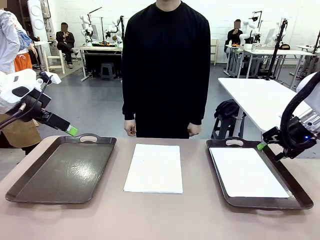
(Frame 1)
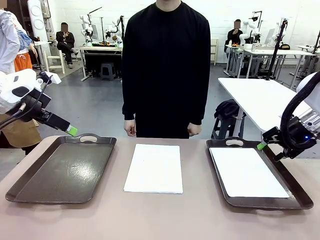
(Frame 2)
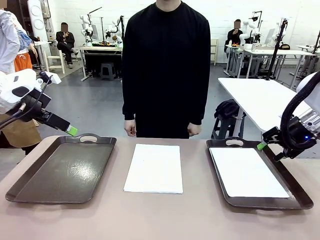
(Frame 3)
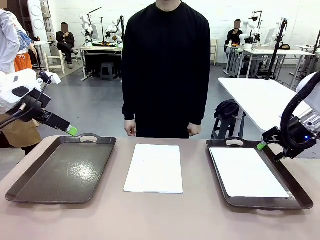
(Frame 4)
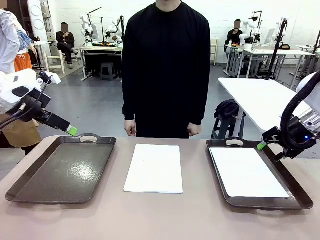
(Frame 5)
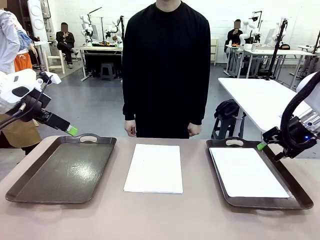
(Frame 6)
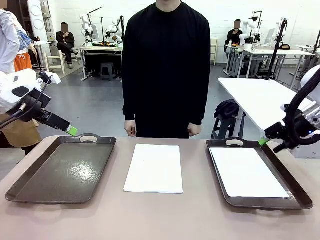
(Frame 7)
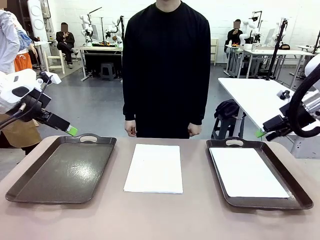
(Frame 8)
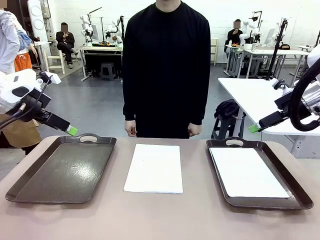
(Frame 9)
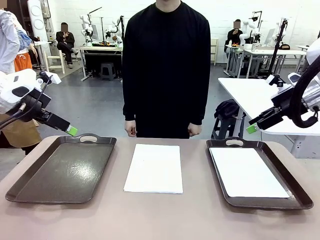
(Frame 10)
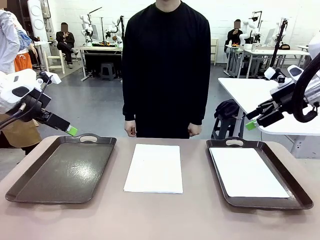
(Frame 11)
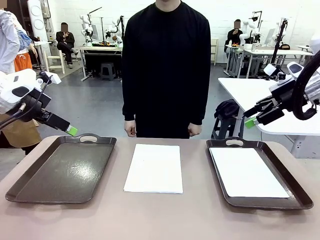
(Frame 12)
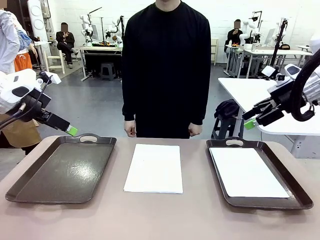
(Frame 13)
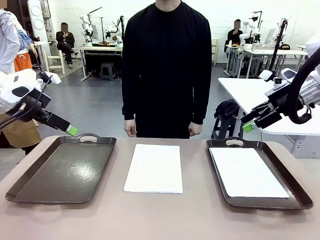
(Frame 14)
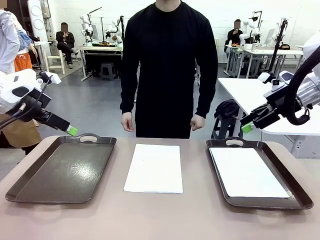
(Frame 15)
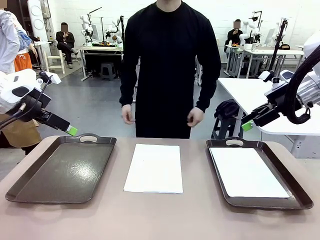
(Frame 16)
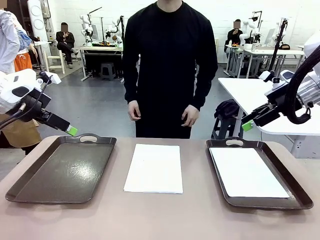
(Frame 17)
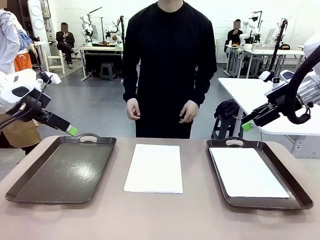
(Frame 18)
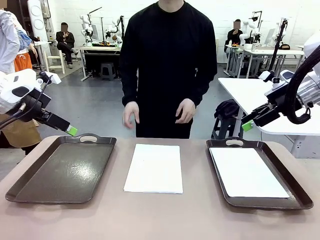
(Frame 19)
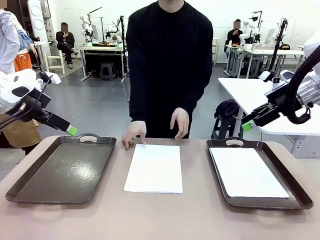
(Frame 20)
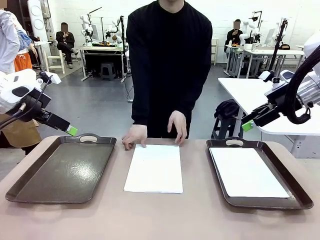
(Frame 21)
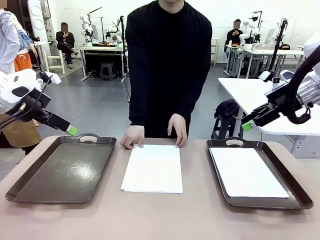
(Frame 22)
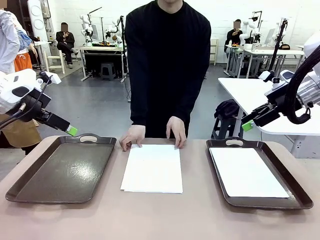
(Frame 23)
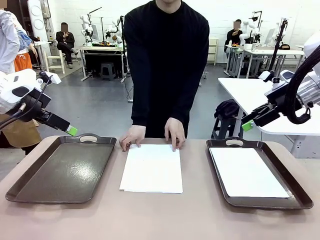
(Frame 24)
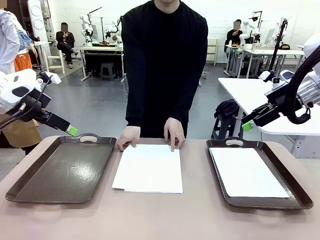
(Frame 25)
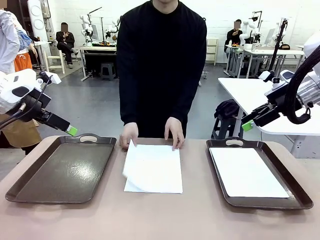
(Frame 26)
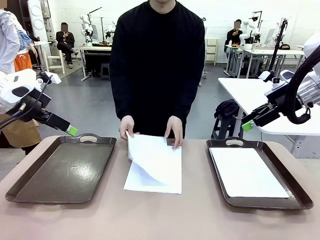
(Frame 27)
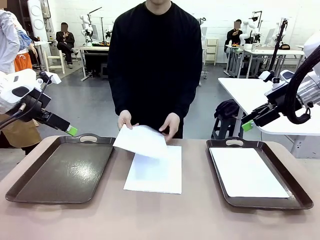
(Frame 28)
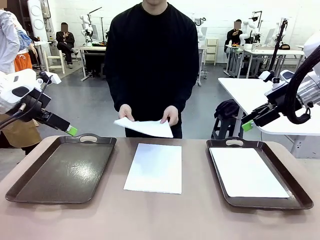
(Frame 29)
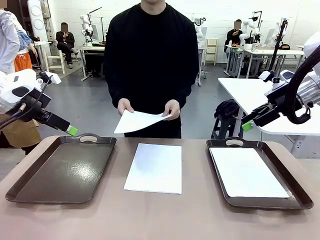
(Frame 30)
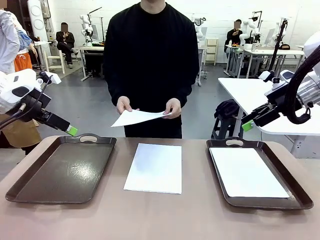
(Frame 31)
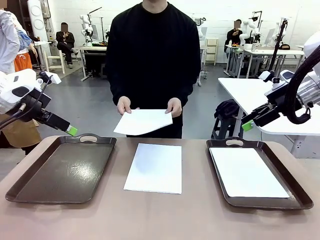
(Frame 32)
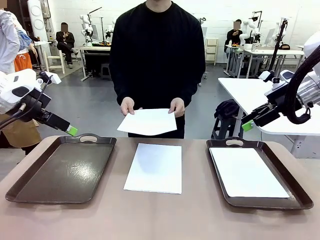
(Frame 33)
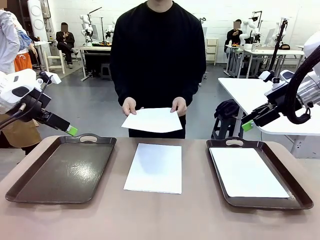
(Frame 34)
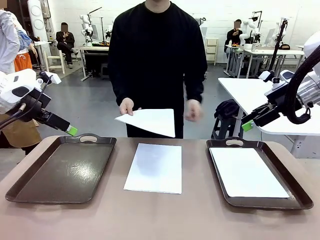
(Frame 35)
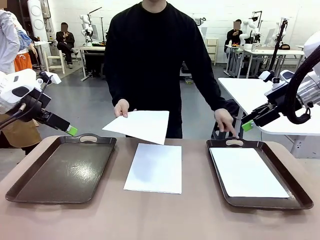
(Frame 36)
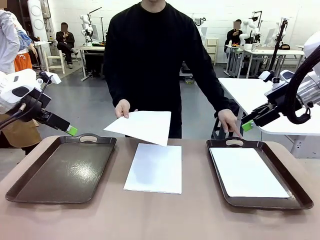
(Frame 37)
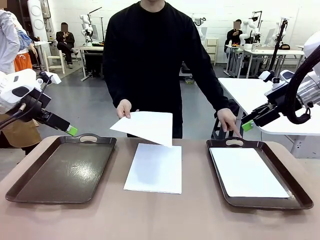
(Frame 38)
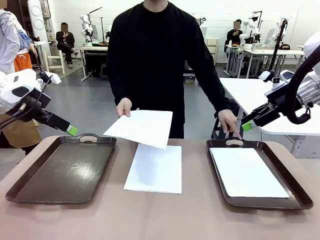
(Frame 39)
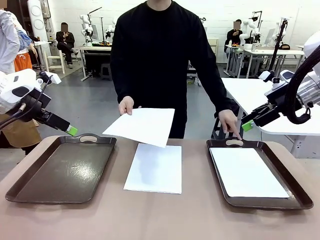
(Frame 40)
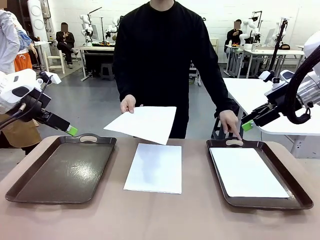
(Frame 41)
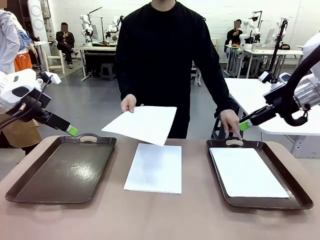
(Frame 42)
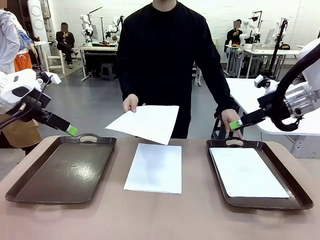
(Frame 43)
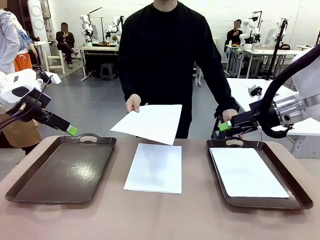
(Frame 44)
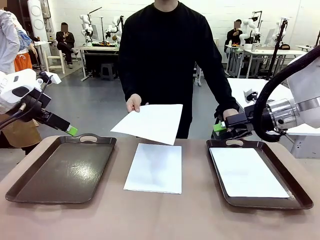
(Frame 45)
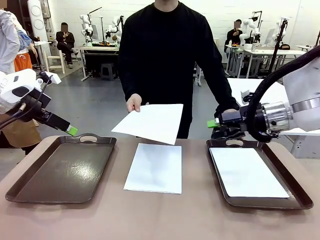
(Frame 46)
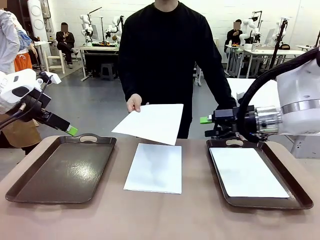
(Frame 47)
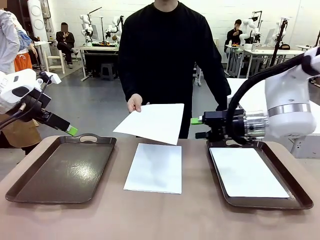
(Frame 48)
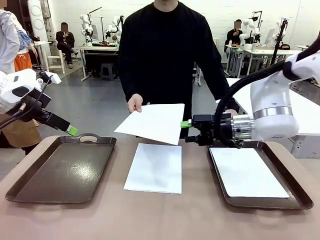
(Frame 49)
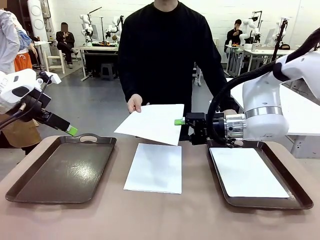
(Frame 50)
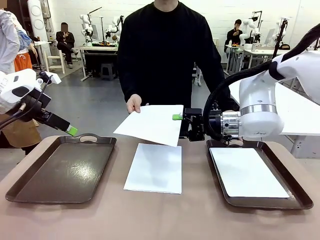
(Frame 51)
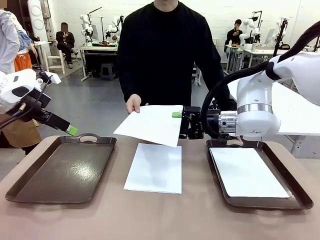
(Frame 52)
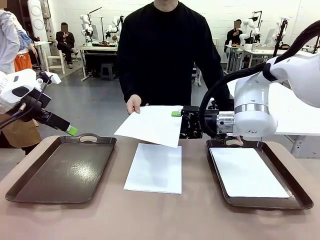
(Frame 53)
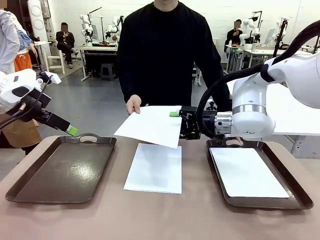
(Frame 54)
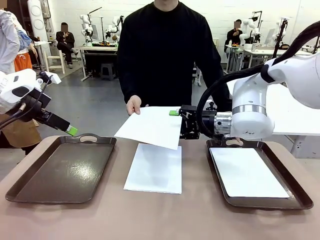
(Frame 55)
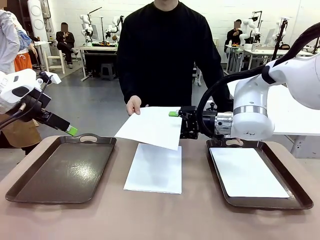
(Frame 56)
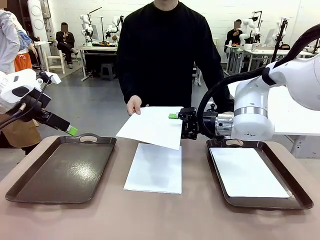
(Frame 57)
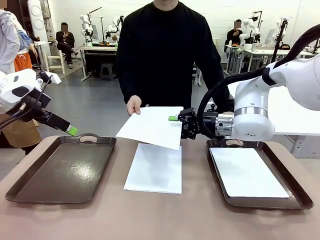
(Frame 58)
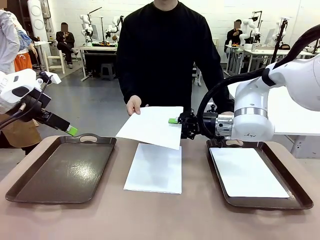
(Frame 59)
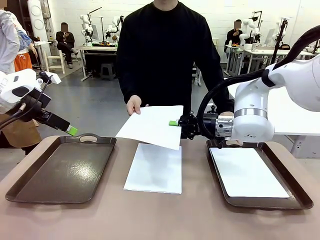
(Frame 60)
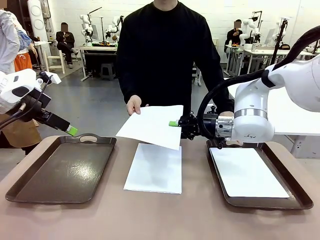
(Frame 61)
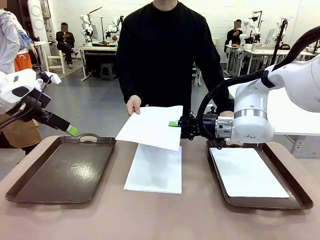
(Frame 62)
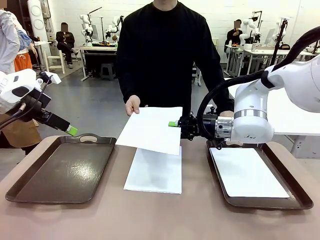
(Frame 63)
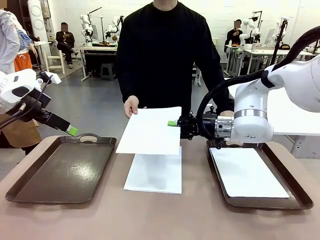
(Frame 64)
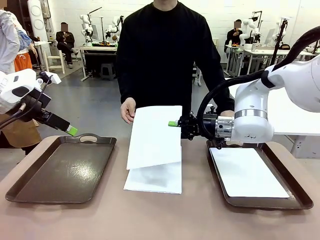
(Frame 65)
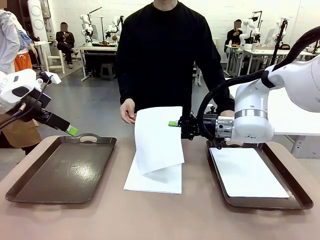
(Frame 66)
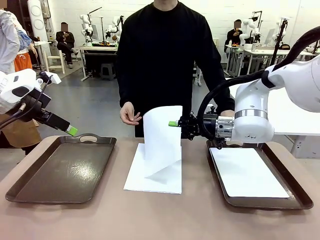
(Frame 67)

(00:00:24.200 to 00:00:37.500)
Task: Sort the A4 documents.
Robot: Receive the A4 Paper.
Person: Point the randomly selected tray with the other hand.

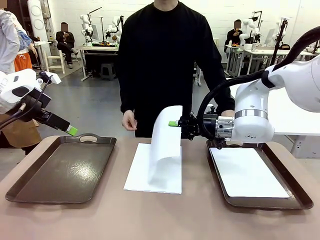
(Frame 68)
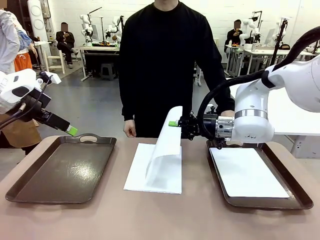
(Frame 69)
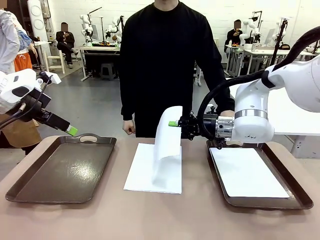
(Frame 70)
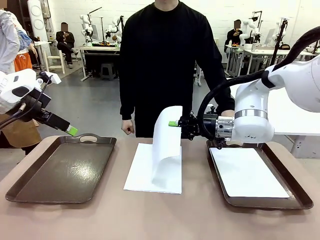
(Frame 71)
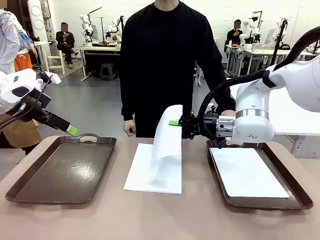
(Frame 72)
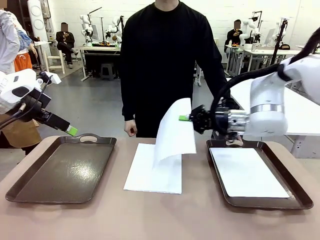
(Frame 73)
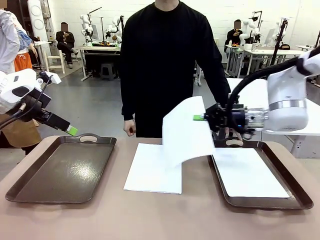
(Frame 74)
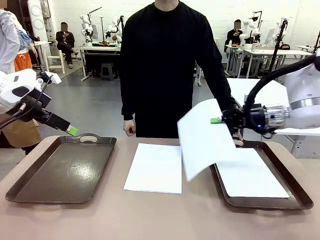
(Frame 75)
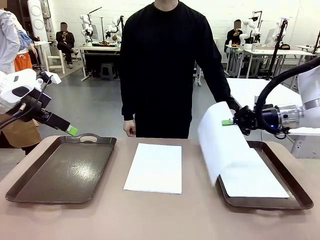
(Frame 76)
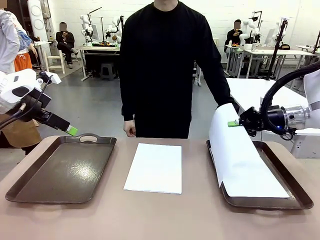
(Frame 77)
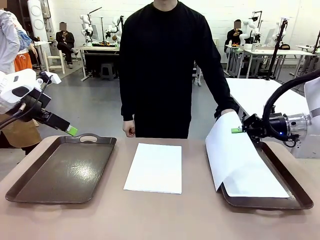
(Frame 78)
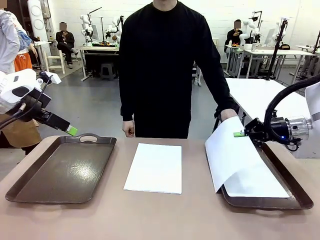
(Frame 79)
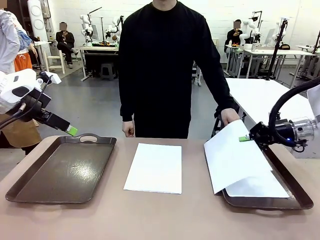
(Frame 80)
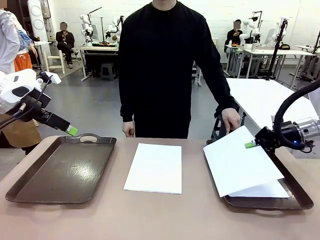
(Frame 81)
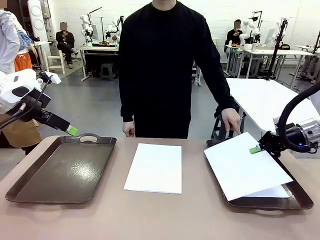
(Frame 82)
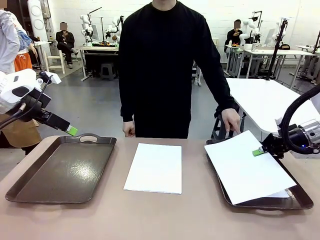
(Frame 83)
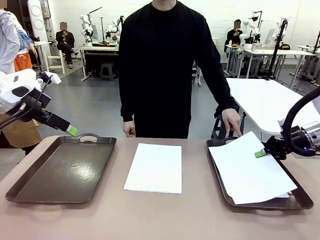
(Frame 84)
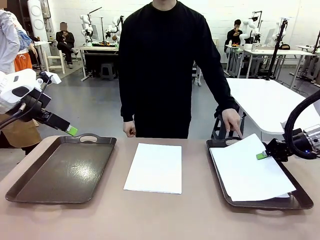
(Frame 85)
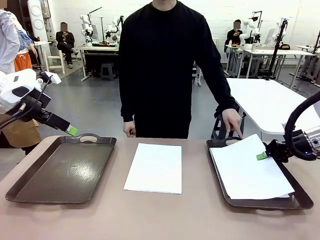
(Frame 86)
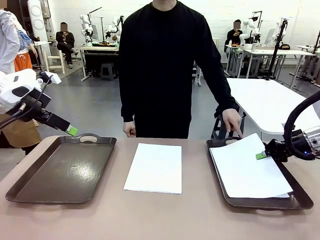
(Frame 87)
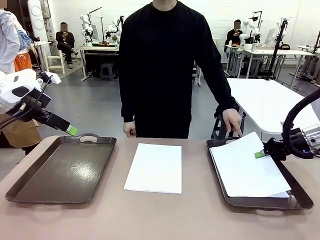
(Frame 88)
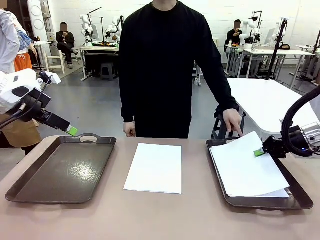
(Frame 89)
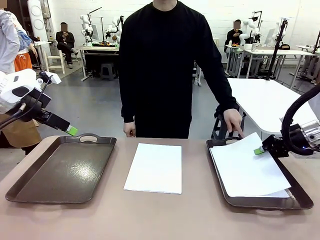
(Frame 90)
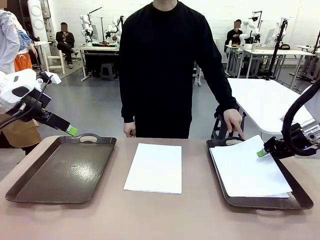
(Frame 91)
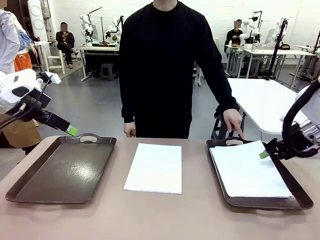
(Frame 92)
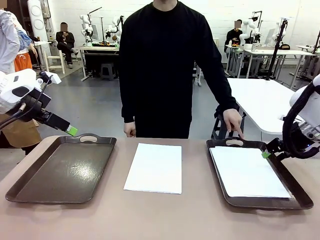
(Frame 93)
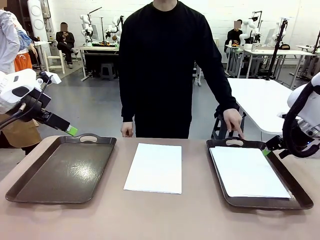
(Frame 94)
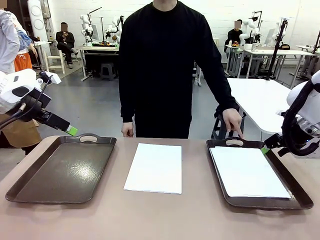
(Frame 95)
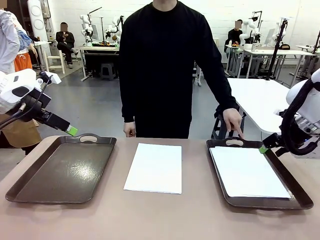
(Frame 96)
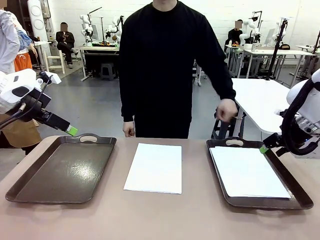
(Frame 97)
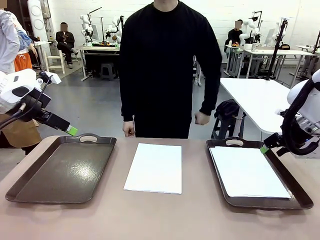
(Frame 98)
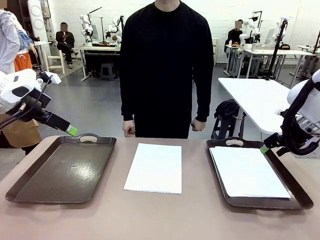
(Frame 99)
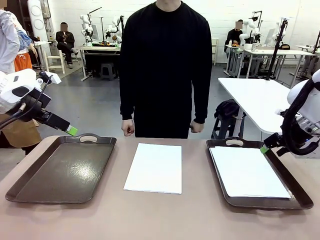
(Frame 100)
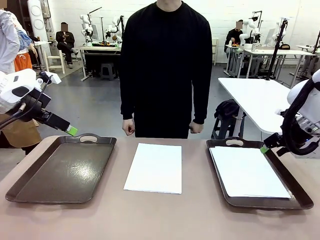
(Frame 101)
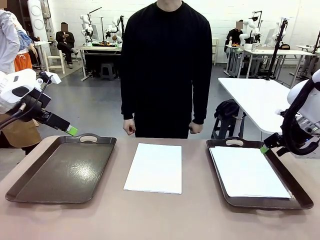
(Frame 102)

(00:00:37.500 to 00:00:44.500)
Robot: Place the A4 Paper in the designated Handle tray.
